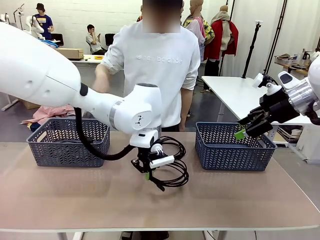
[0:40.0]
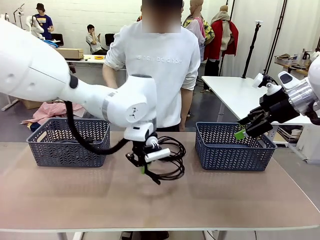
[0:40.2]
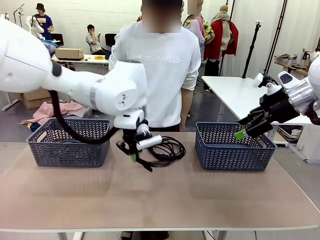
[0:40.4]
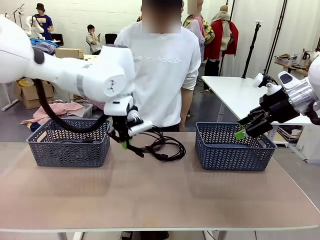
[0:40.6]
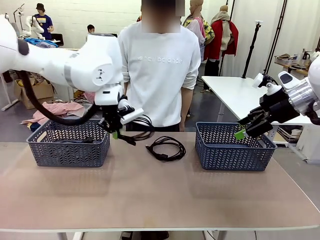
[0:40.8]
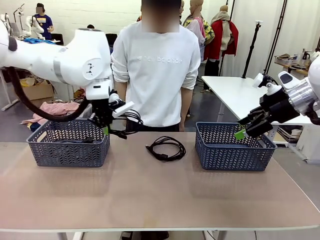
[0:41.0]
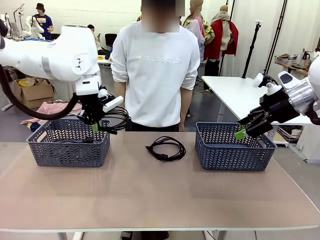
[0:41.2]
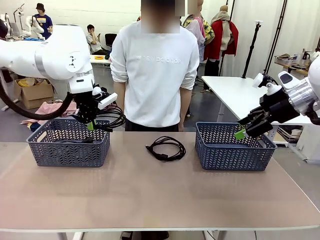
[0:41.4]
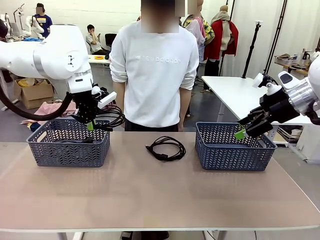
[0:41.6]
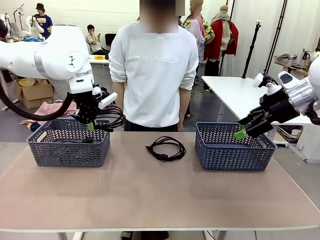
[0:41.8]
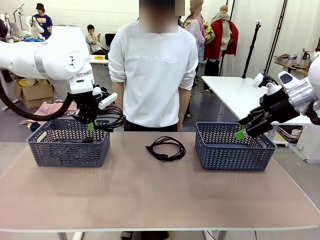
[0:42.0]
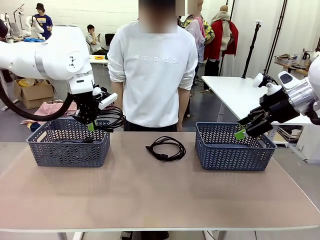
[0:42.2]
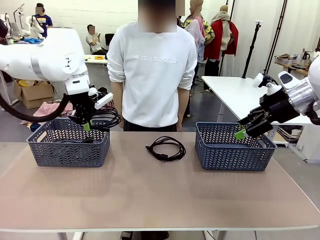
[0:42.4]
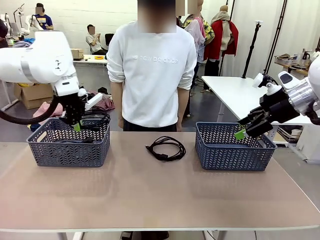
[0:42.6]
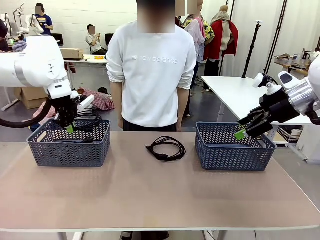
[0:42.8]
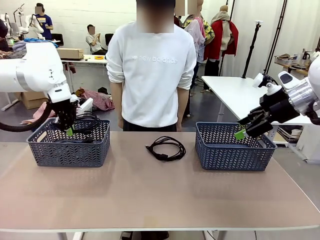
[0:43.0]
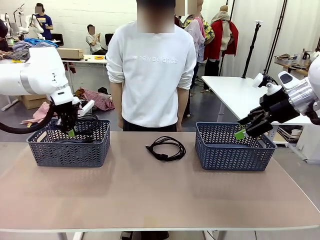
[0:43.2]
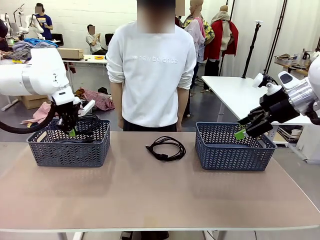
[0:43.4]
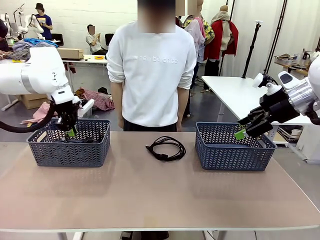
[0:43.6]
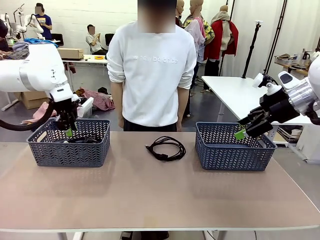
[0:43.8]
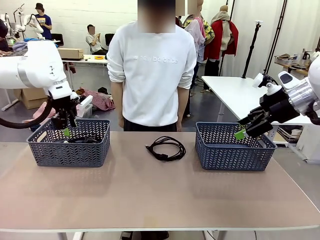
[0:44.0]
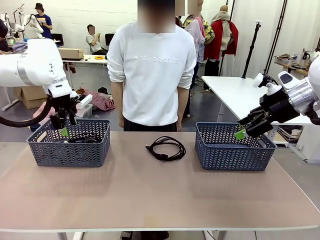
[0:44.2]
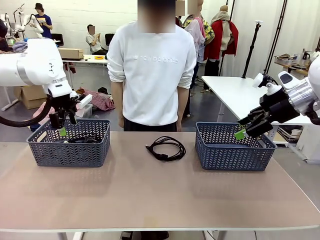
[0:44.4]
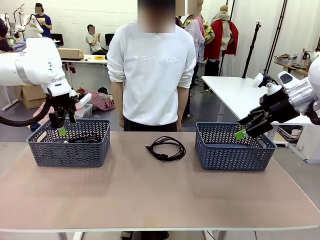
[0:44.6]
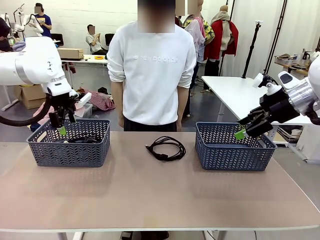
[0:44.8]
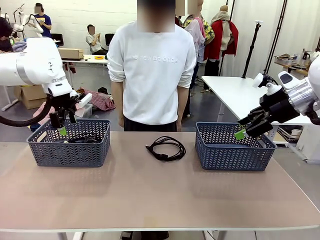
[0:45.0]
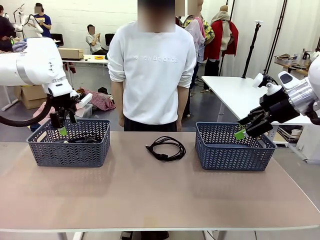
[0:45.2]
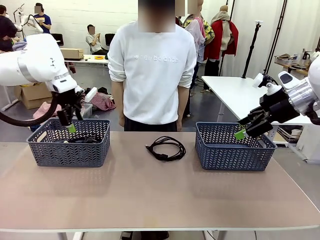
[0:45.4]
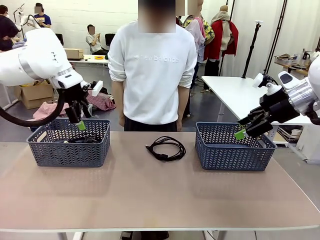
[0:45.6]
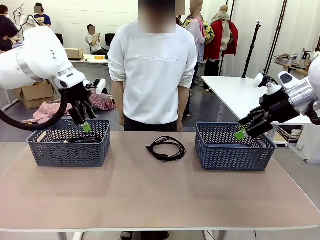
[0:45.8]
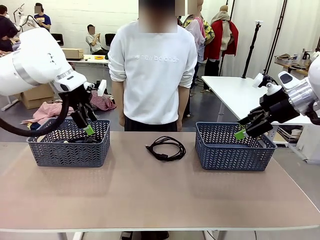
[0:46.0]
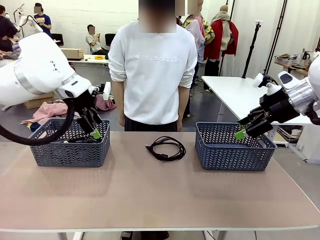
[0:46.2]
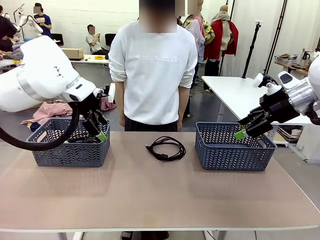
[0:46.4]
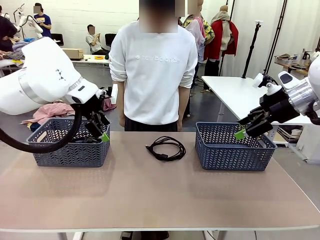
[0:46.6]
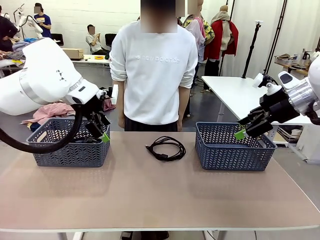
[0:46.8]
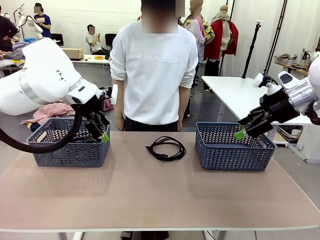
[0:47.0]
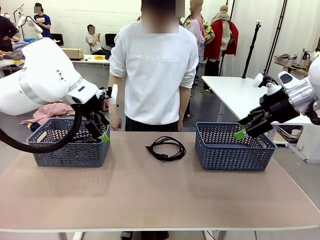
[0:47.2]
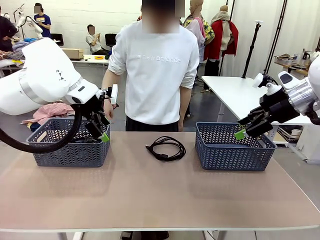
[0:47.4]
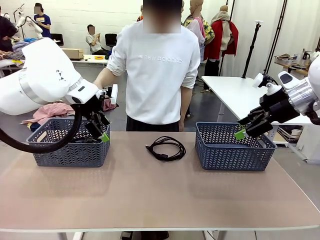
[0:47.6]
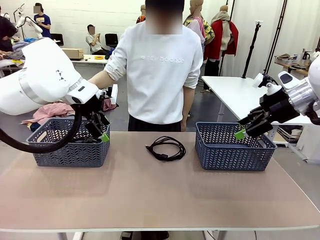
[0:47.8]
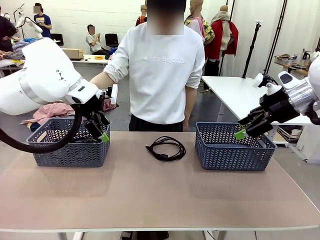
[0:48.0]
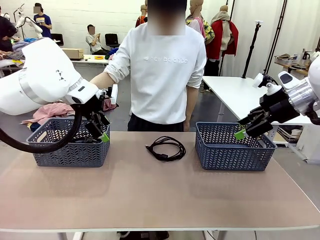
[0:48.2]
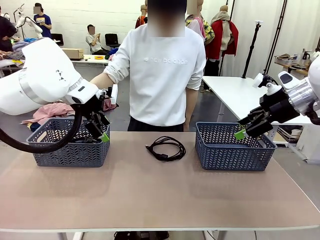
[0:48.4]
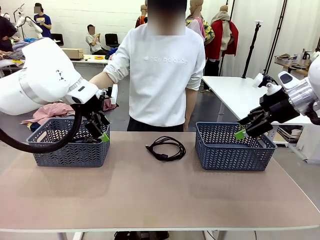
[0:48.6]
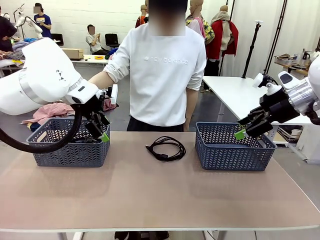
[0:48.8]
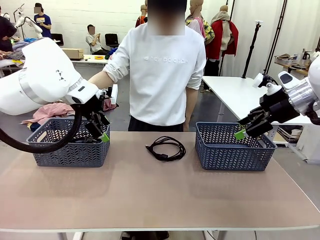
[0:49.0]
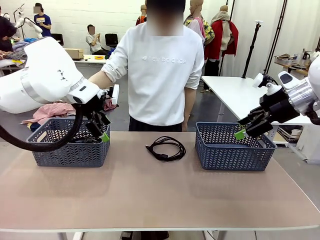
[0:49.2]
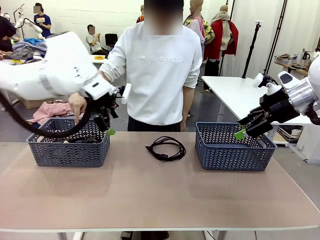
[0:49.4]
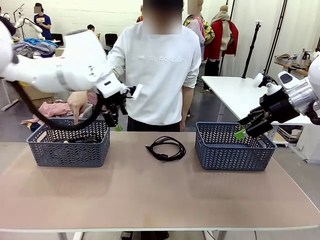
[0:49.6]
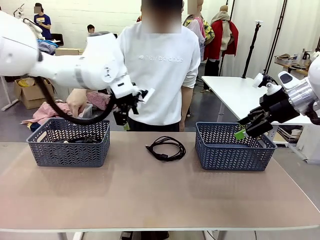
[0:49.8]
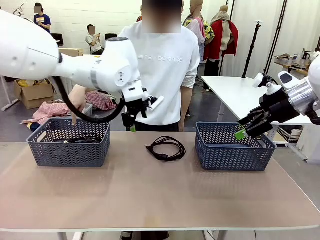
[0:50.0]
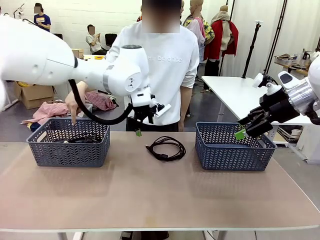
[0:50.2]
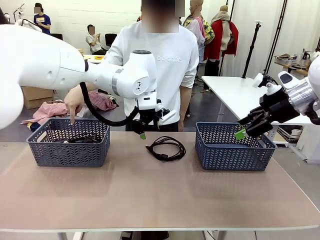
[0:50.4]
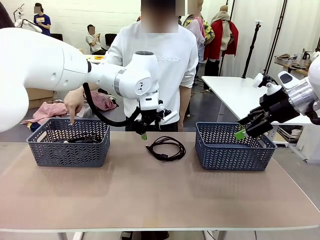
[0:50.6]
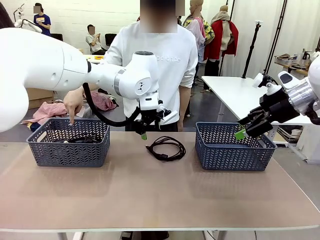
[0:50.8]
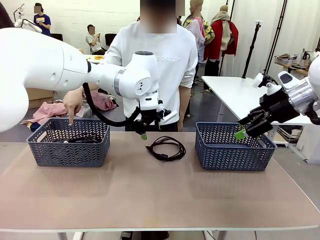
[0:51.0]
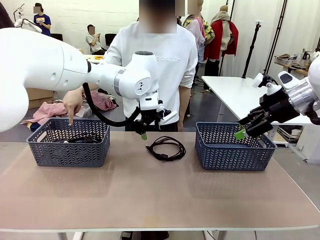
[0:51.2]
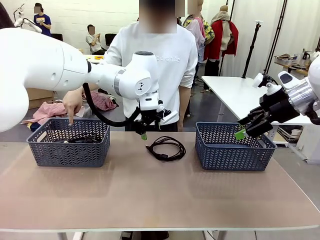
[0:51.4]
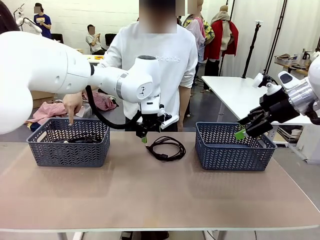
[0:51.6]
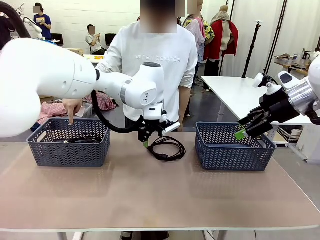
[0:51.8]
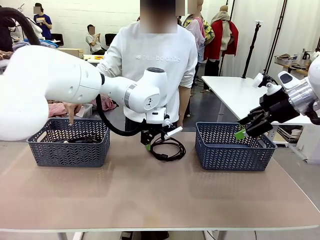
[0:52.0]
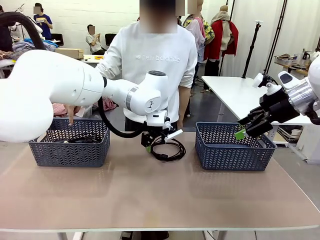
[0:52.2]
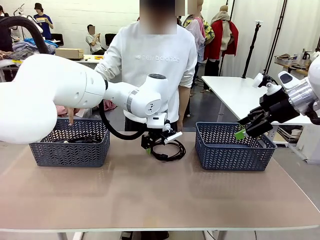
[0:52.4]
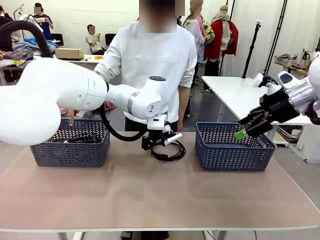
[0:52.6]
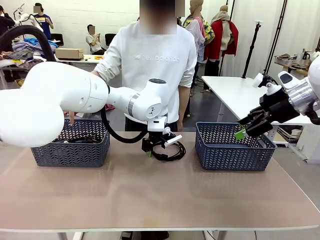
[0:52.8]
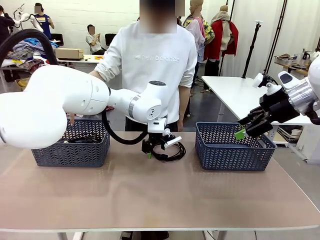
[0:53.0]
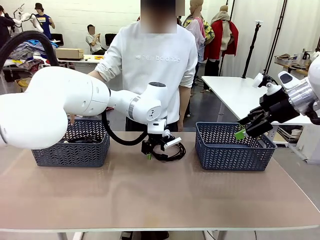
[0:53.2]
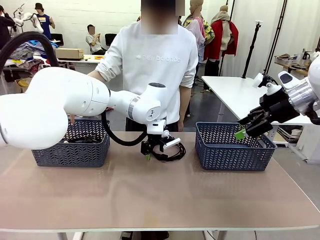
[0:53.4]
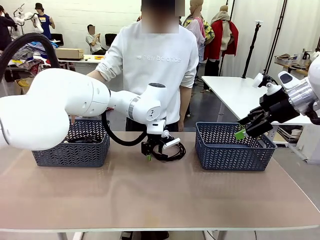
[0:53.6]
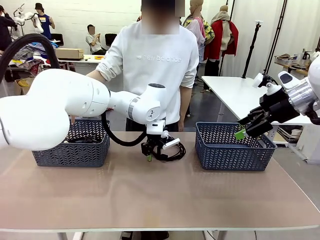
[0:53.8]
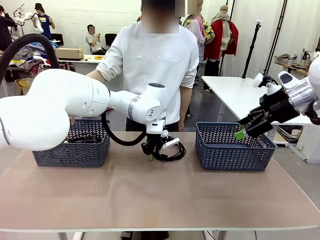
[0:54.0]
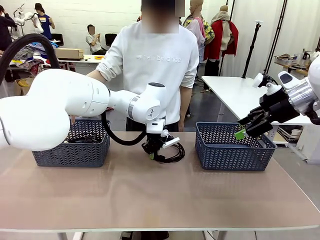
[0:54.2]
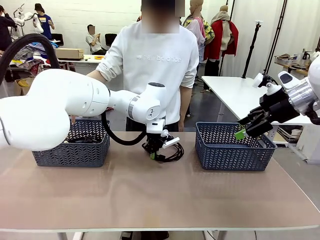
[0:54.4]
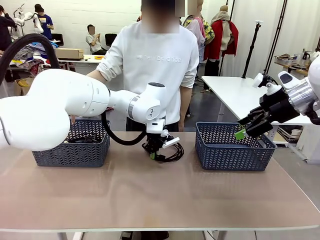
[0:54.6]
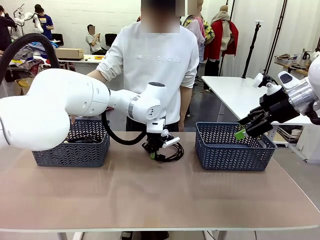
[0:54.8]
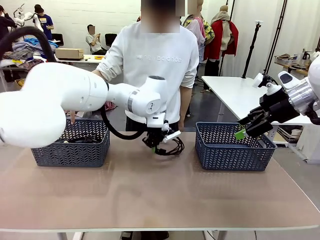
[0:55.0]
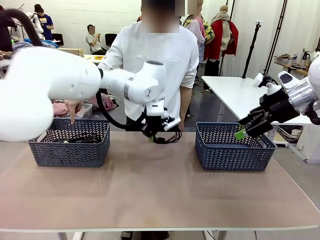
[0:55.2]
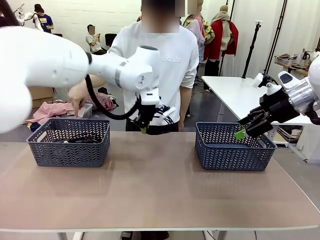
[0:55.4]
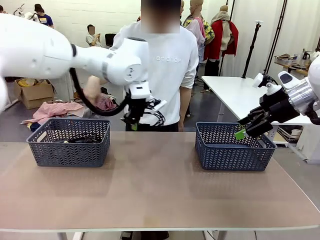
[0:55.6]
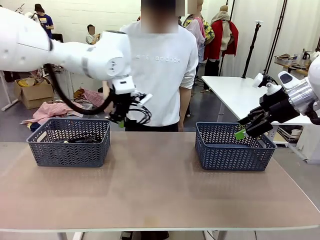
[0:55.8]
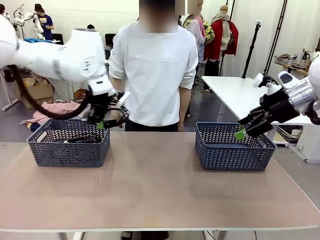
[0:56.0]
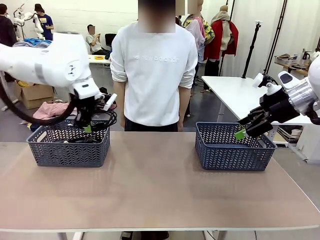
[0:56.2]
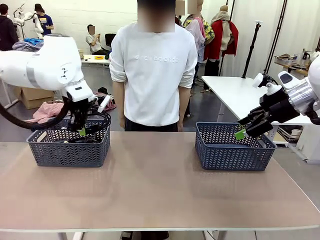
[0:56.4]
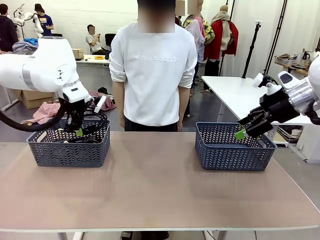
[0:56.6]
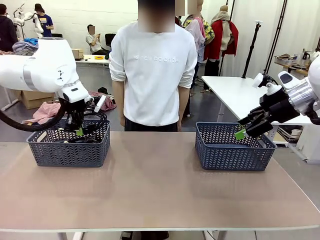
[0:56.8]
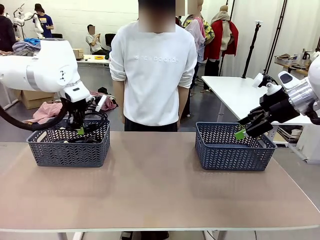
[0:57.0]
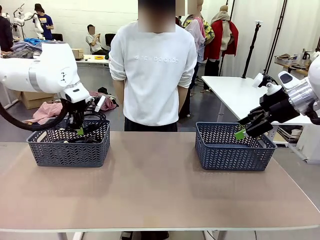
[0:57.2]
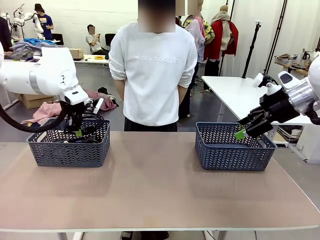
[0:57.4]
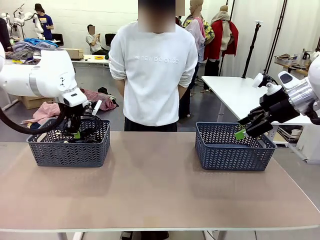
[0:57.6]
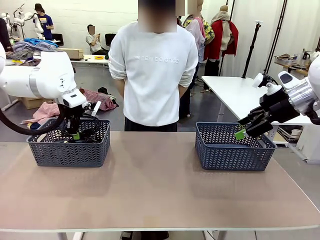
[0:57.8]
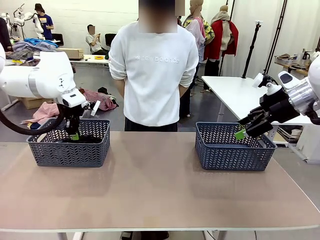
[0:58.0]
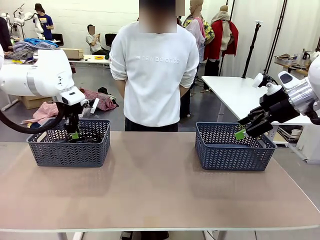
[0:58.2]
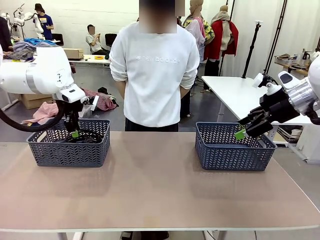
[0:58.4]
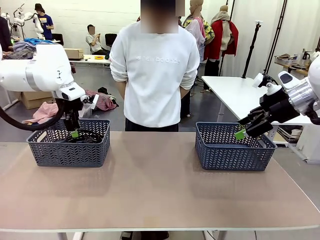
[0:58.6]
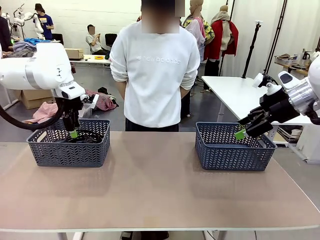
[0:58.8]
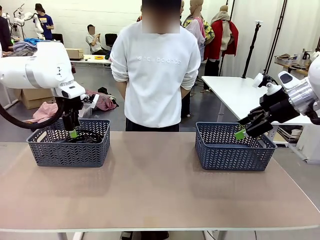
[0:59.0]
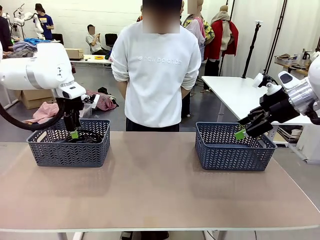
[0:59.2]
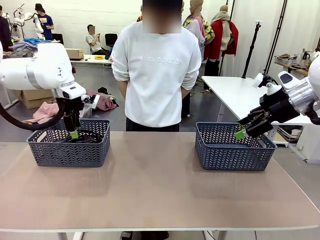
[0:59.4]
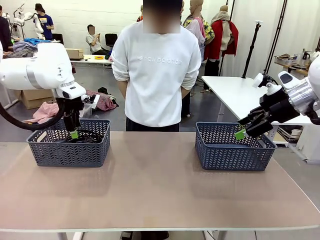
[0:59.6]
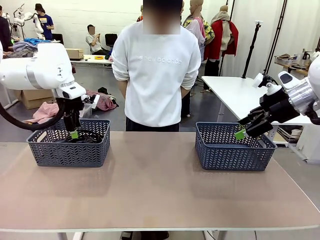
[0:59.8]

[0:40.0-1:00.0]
Task: Organize the cables according to human instructions.
Robot: Pick up a bundle of cables and place it in the basket indicated by the human.
